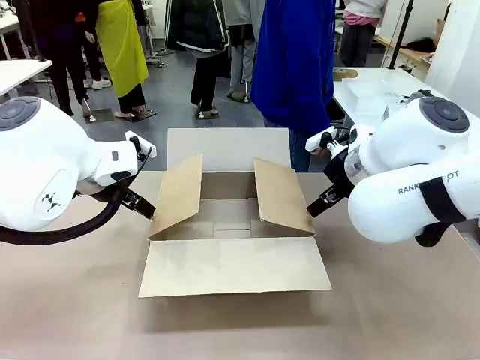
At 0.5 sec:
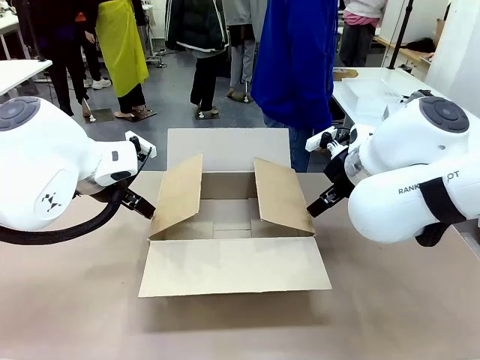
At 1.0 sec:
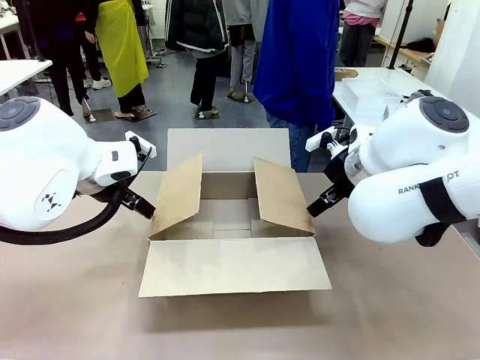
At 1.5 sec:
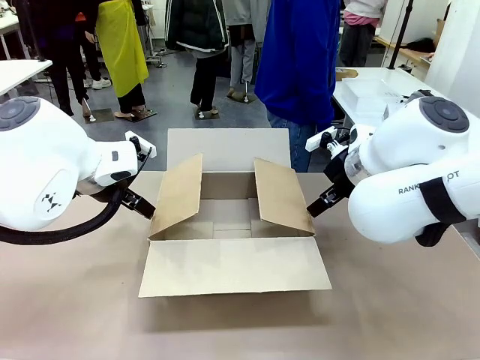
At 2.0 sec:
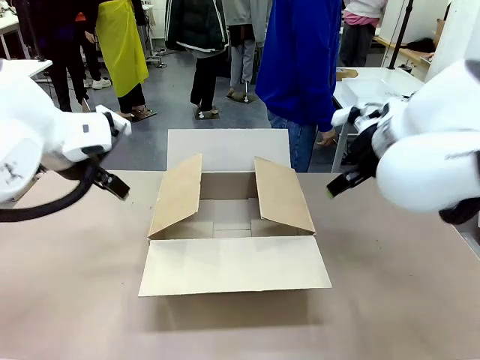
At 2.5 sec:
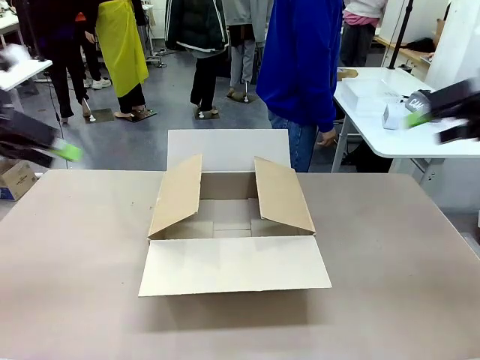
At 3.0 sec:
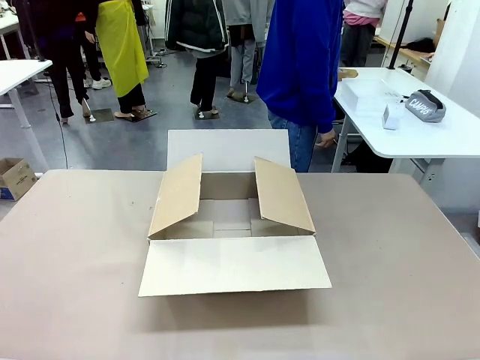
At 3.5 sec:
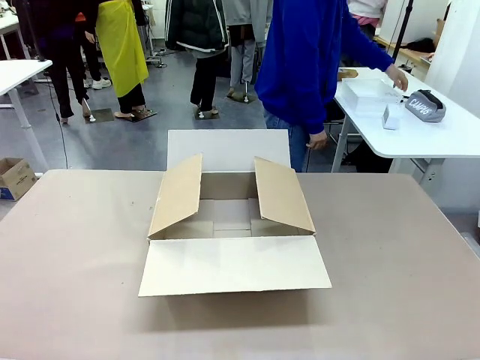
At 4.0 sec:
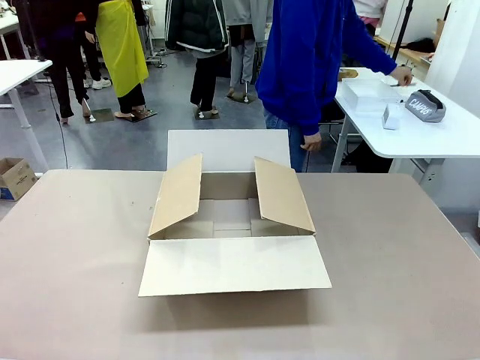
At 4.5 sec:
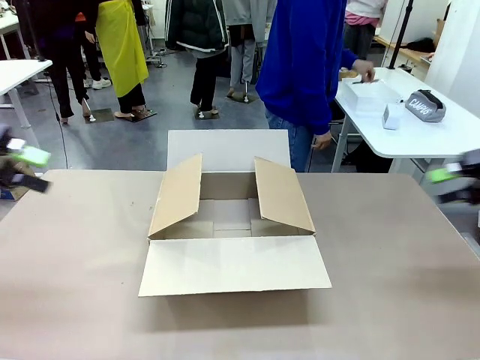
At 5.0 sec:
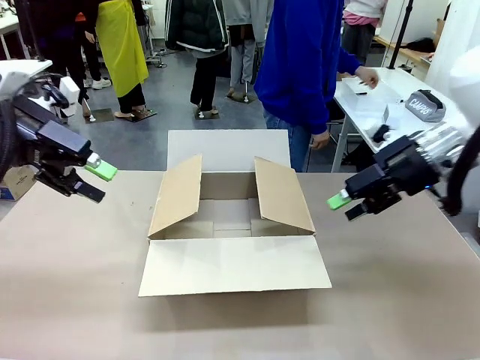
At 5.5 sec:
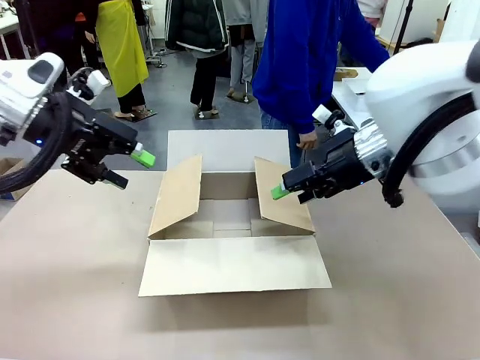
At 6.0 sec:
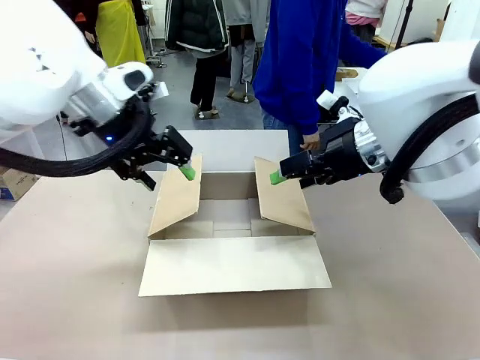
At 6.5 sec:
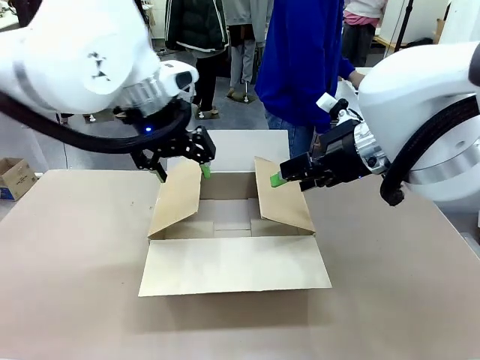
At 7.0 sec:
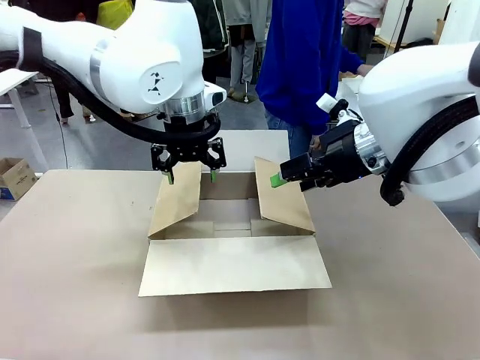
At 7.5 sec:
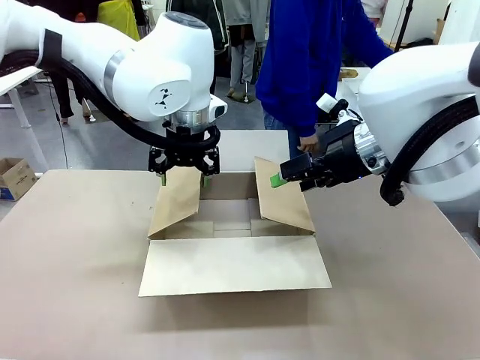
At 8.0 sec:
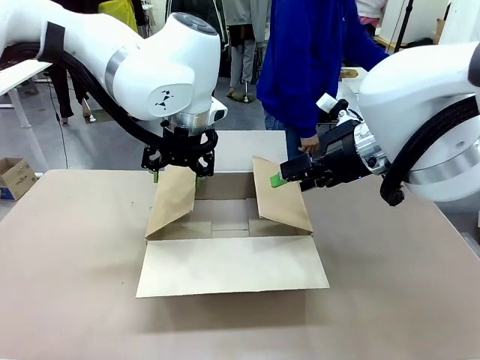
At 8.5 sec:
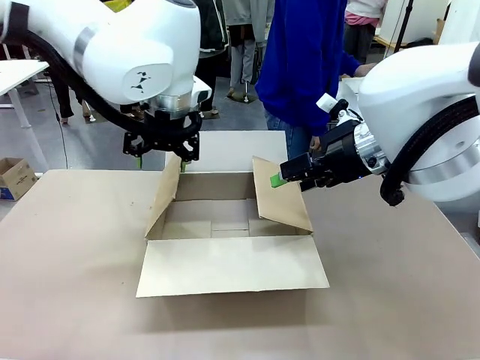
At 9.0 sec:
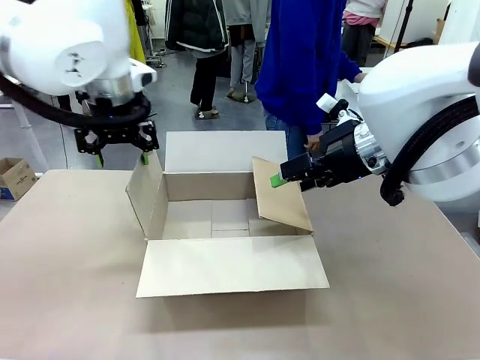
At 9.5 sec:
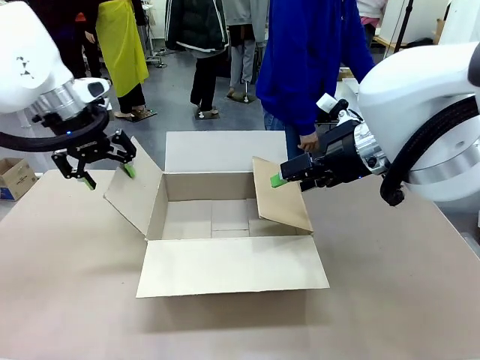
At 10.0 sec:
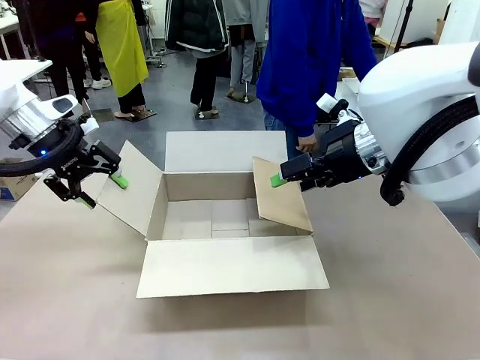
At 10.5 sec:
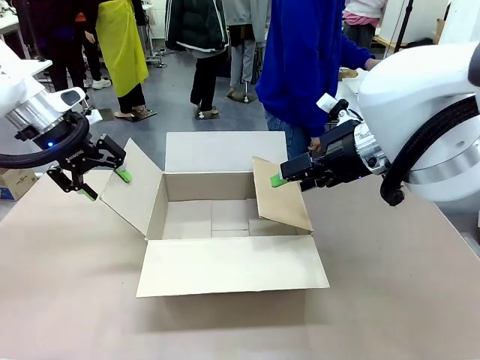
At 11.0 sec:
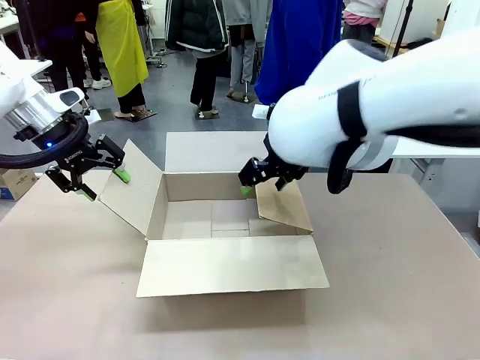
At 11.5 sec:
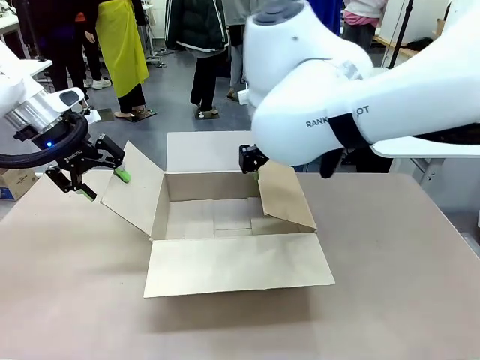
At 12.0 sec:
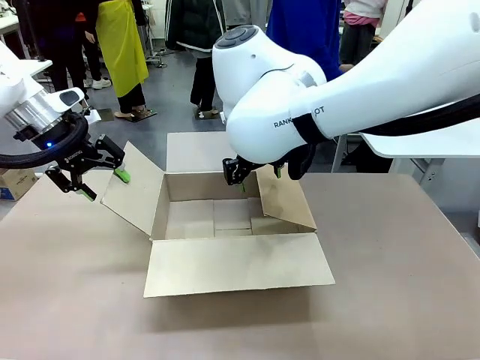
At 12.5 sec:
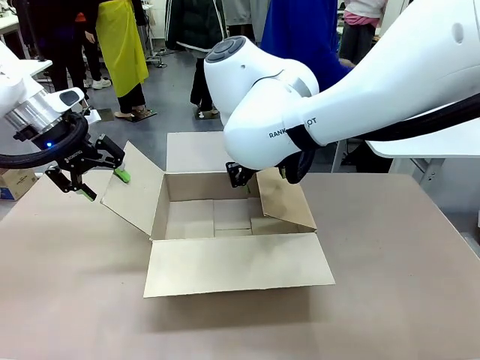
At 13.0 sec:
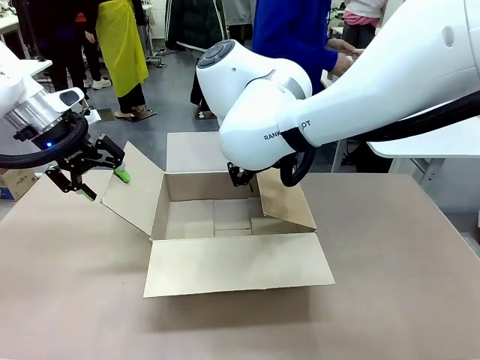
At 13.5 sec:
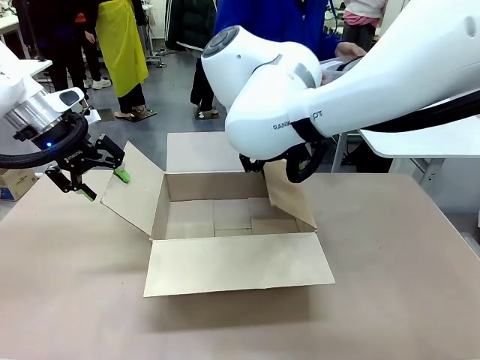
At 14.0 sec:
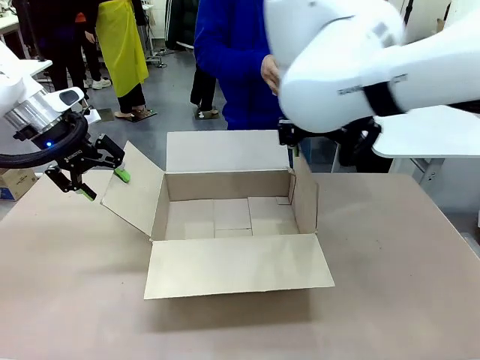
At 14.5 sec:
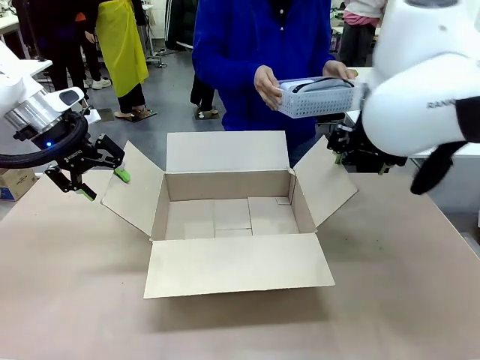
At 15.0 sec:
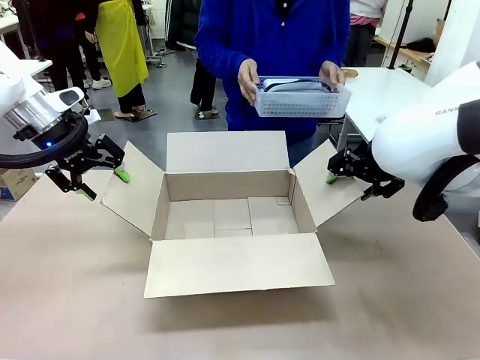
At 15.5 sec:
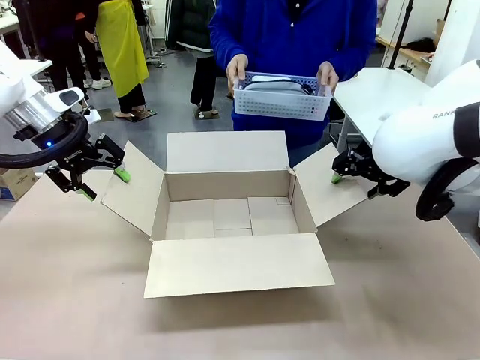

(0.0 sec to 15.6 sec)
Task: Pack the gift set into the box.
Robot: Place both hands on the side flaps of the Package Box and spread them outward.
Person: The human places all items except the paper tape into the organizing basket.

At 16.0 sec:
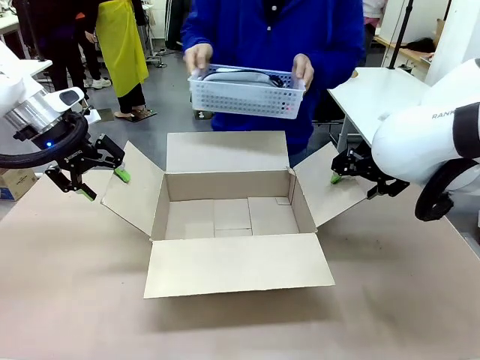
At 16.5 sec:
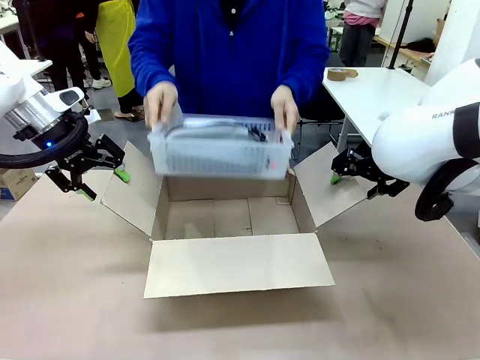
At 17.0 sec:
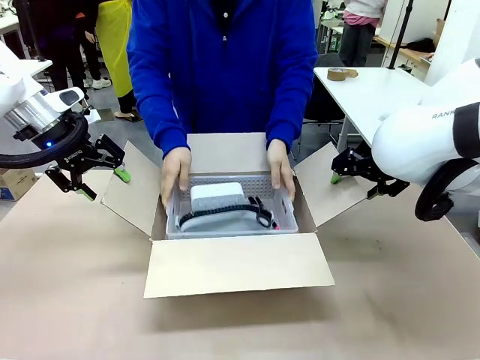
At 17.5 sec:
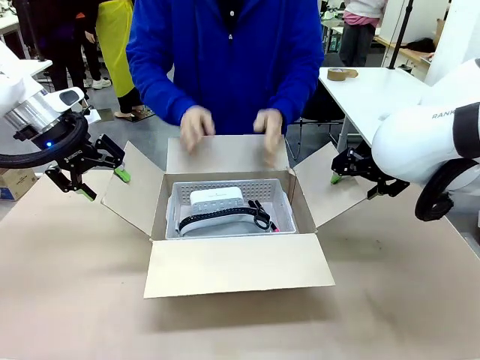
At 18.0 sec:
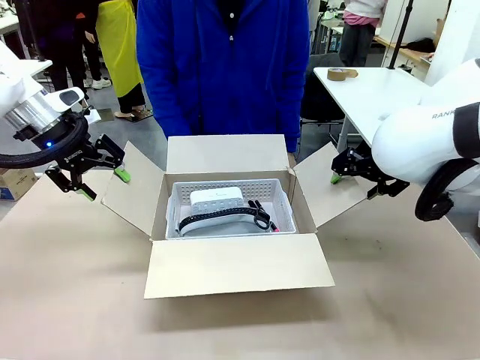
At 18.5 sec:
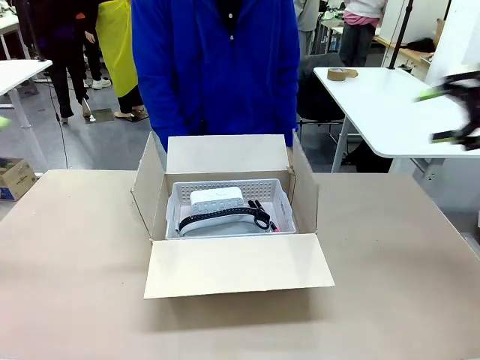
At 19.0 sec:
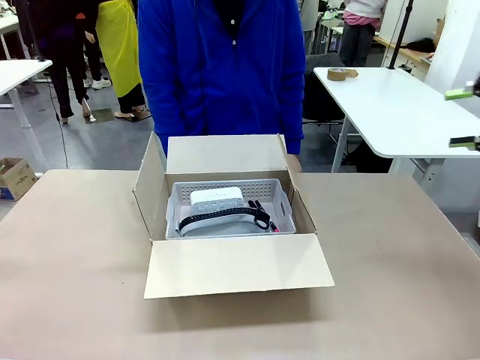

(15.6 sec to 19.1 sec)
Robot: Lift both hands away from the flaps of the Package Box.
Person: The human picks up the organizing basket and places the organizing basket into the package box on the robot table.

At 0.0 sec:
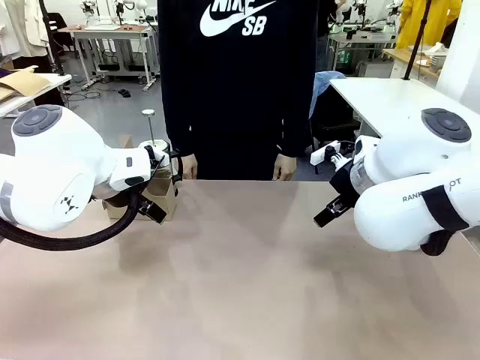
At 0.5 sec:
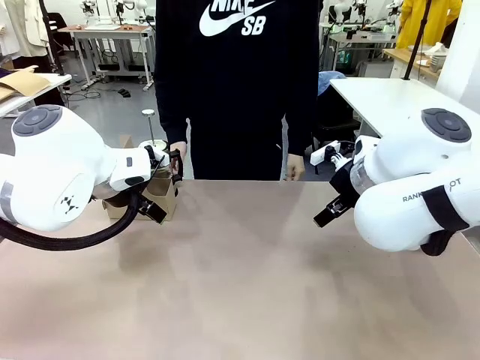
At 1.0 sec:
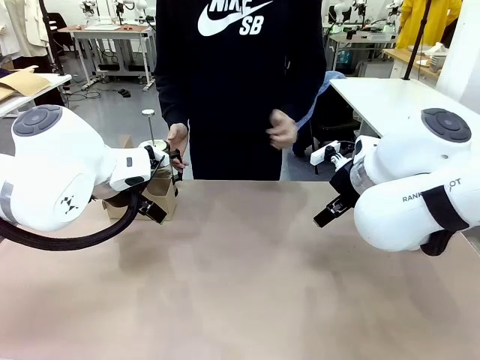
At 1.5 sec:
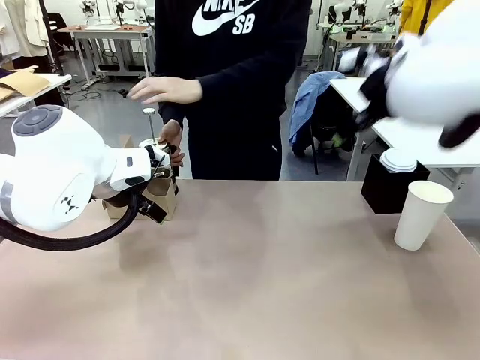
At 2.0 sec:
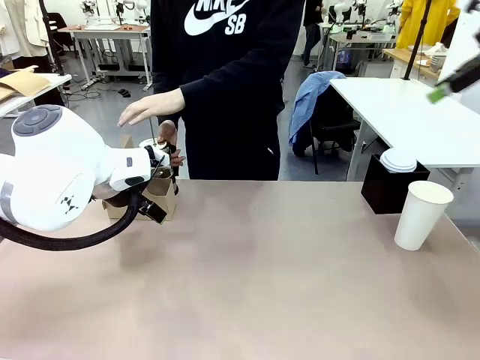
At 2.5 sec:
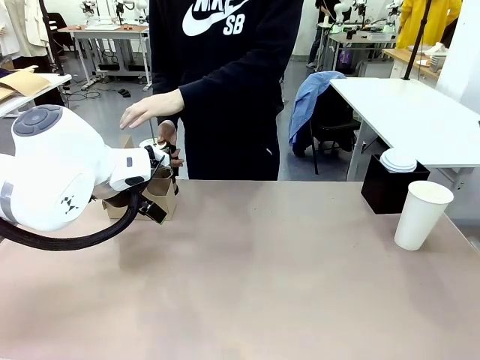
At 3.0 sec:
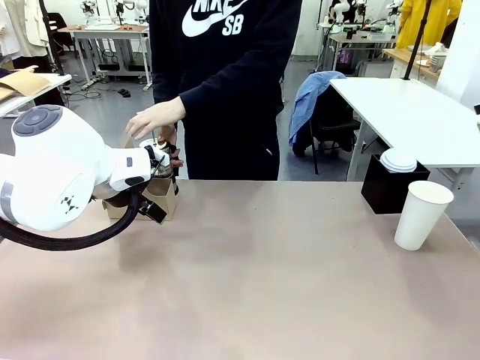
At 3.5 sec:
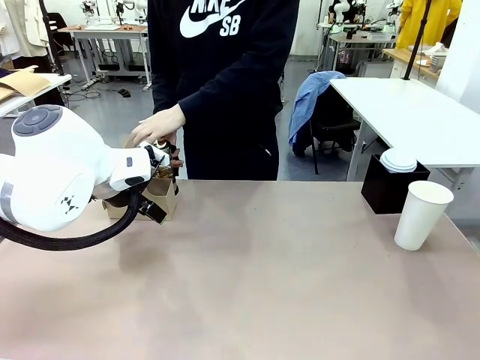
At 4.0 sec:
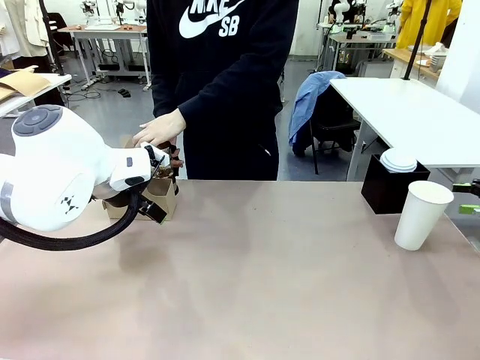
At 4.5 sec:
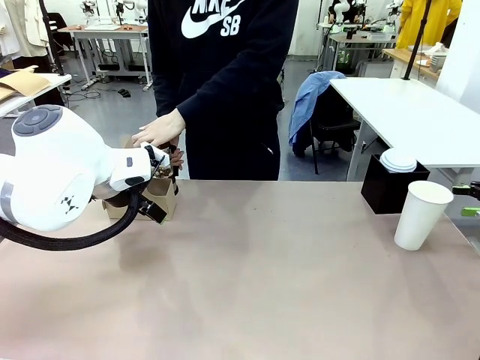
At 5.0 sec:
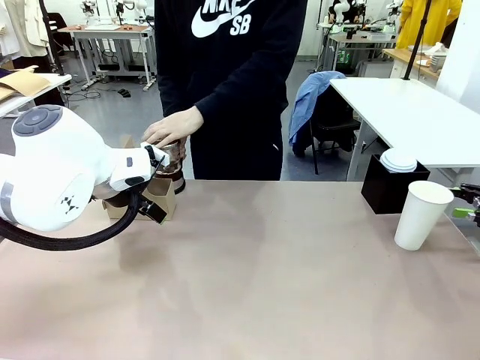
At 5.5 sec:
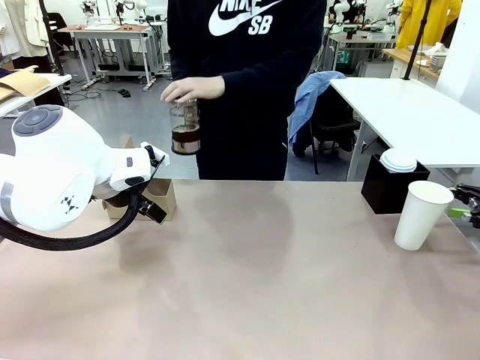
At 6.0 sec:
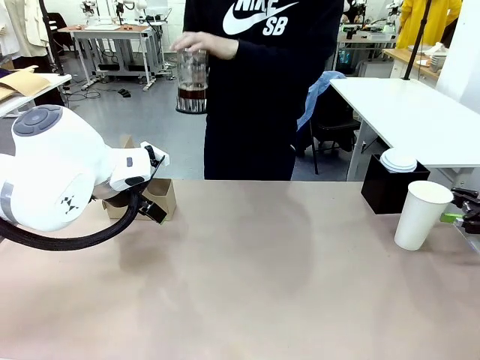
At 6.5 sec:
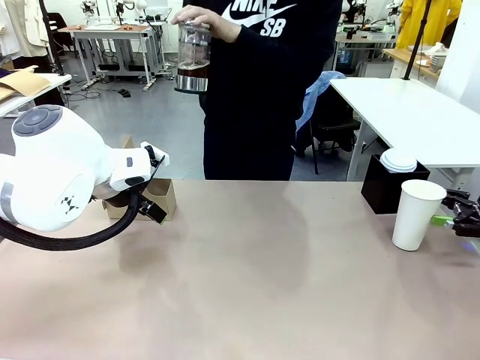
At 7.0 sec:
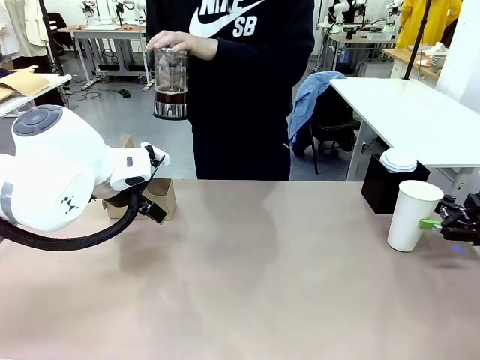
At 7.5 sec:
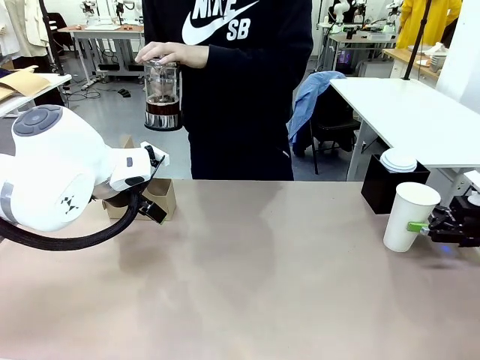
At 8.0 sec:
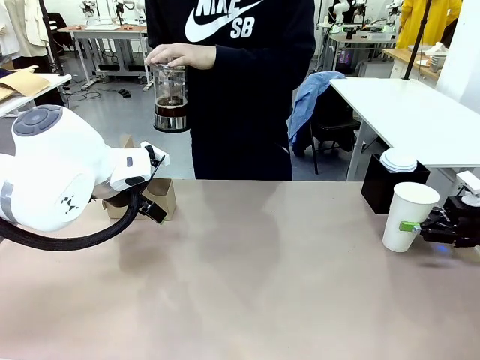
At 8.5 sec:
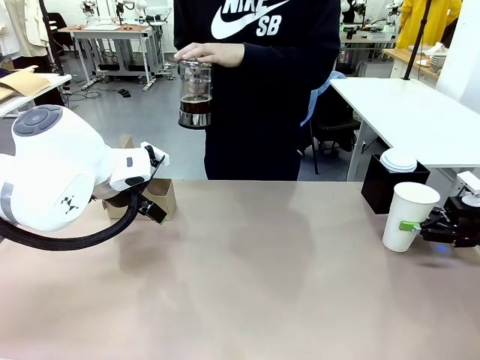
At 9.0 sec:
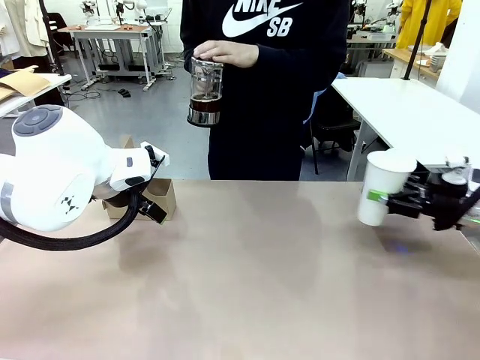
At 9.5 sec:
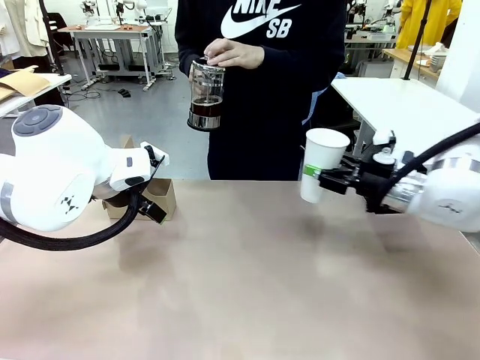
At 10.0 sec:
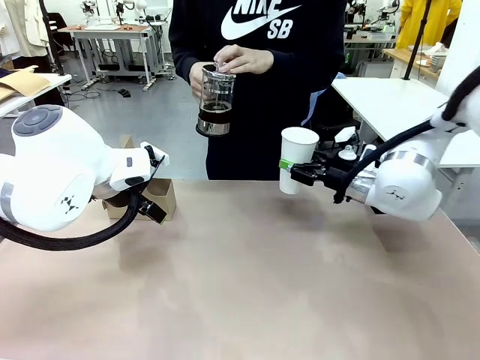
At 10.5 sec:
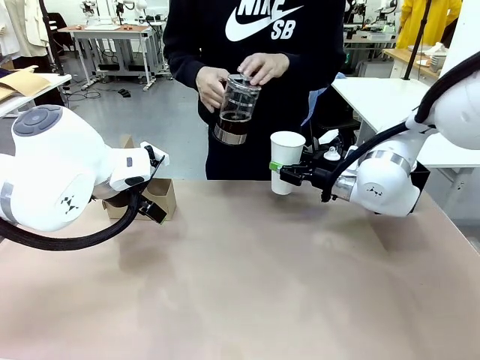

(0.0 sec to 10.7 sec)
Task: Pour a drink into a cup and package it in a carrier.
Robot: Pick up the 600 ml Paper Cup and place it in the middle top area of the table.
Person: Press and pick up the Filter Brewing.
